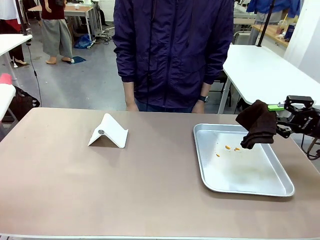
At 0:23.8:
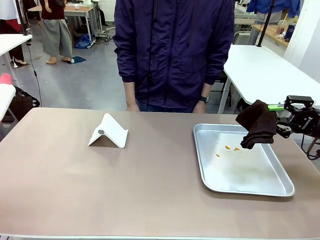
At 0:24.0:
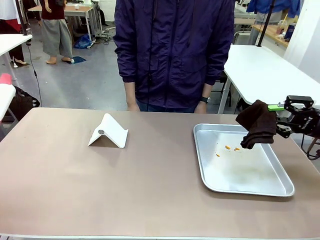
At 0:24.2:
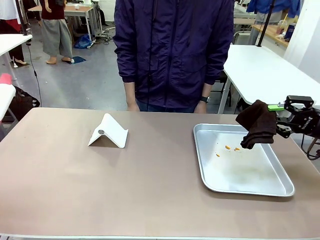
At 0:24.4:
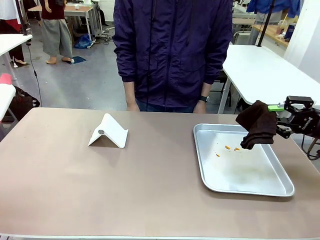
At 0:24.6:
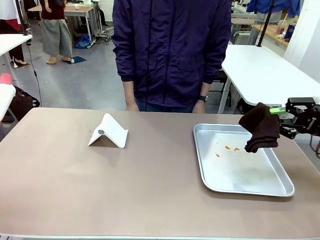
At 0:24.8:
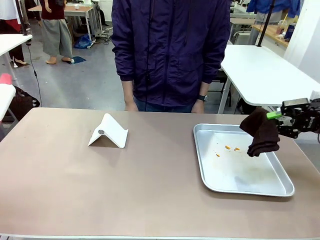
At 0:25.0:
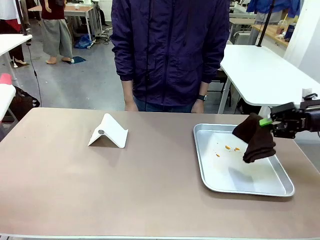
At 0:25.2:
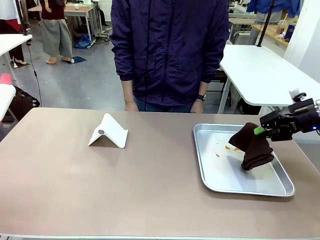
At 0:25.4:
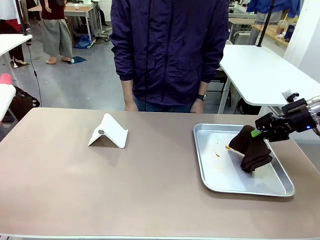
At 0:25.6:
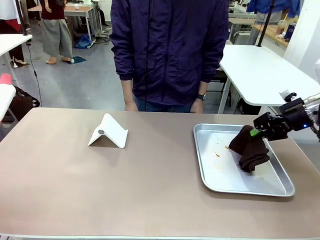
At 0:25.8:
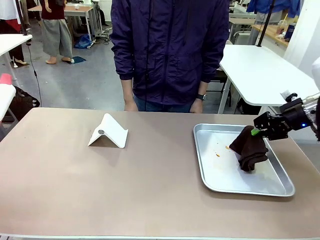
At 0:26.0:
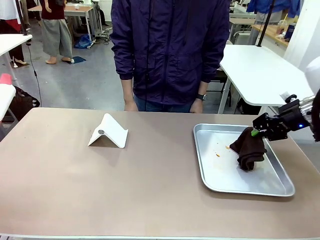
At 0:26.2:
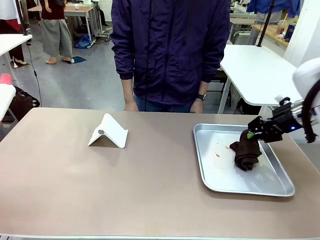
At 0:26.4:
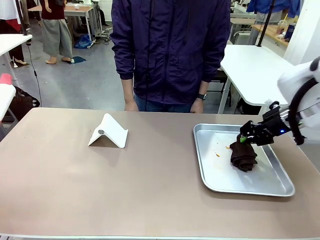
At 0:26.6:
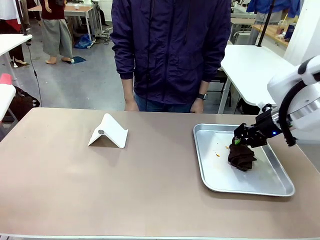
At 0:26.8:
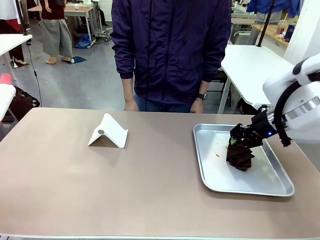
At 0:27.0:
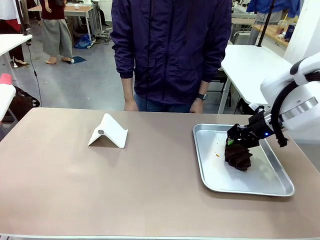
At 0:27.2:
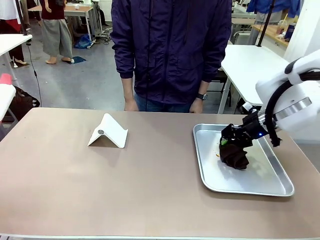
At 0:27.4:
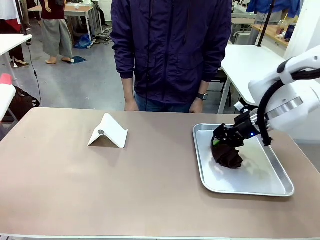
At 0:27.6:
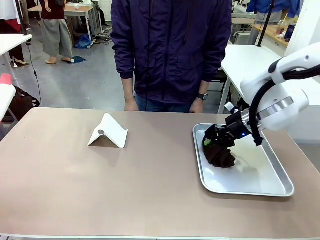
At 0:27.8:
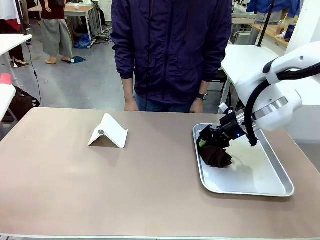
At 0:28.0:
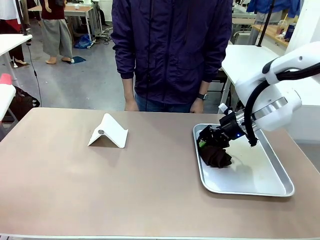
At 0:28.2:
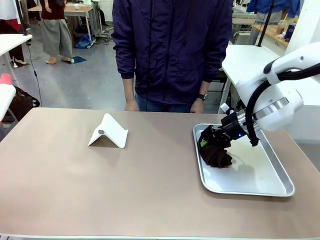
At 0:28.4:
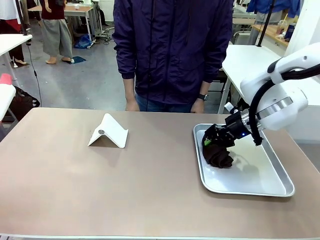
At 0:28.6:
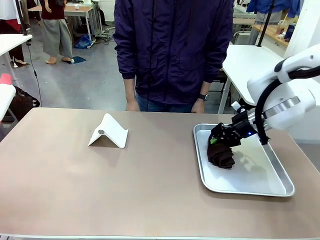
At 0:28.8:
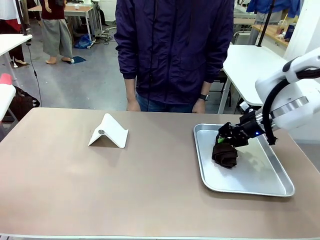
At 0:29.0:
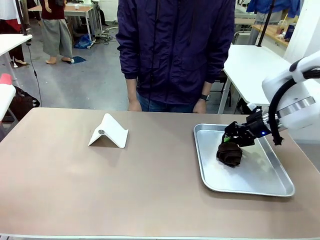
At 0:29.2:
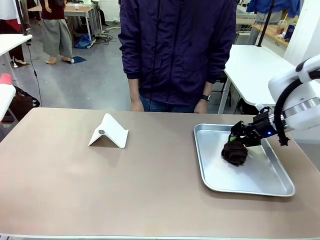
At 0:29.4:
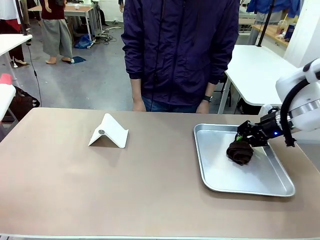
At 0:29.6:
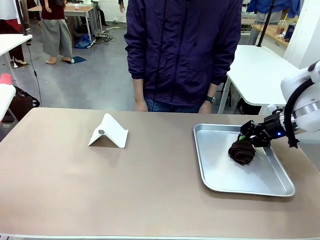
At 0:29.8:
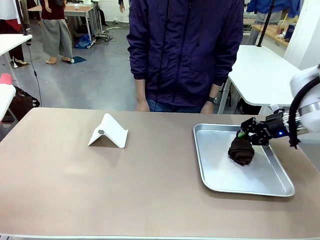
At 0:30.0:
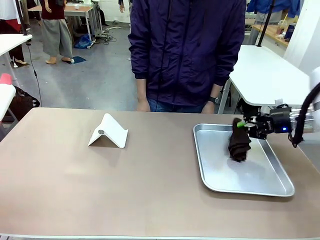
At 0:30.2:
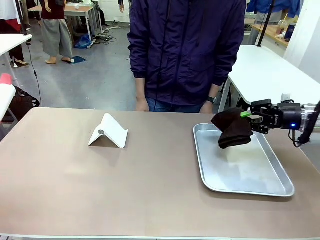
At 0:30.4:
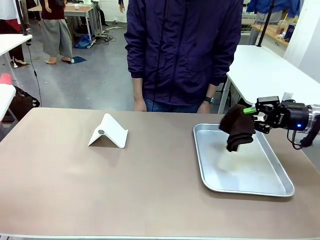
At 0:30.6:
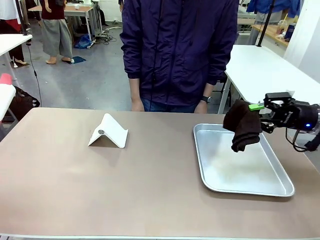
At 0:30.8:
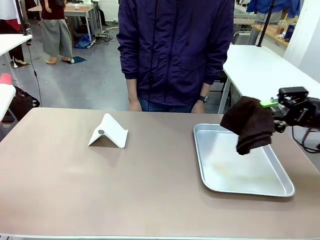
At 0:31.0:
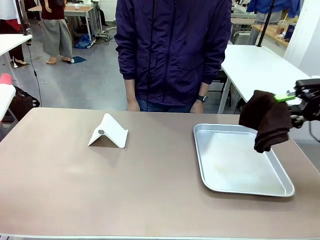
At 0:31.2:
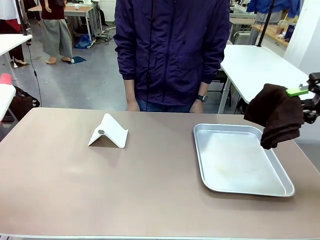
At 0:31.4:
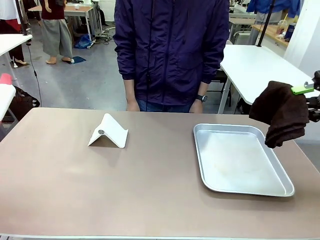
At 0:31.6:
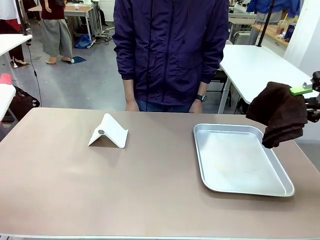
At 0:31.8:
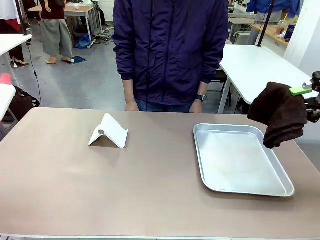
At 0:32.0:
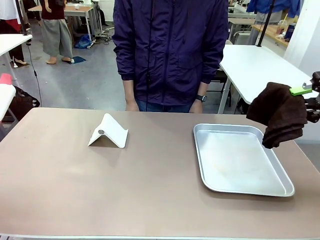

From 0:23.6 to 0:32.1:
Task: Clean the surface of the table.
Robot: Clean the area not pointed to by the person.

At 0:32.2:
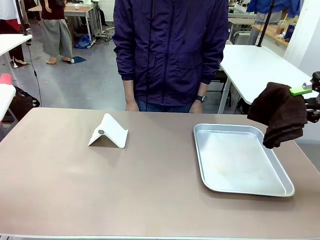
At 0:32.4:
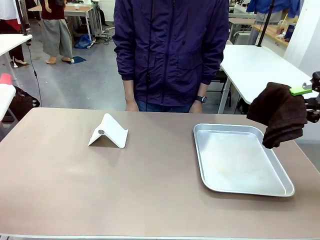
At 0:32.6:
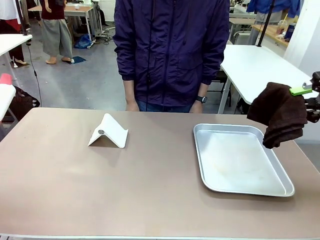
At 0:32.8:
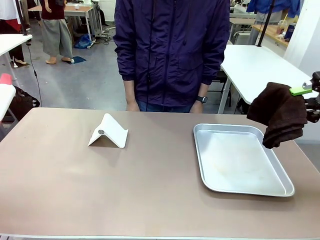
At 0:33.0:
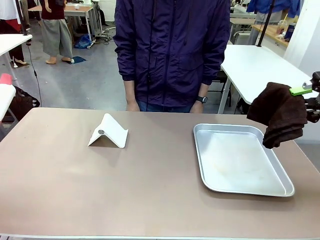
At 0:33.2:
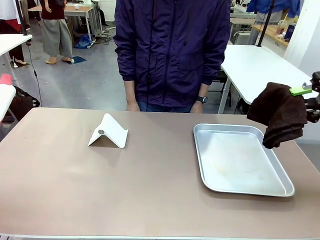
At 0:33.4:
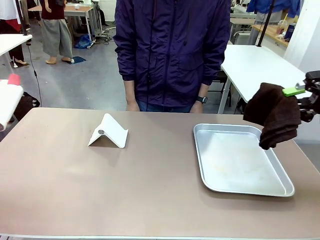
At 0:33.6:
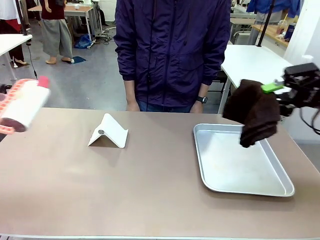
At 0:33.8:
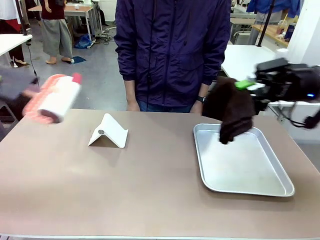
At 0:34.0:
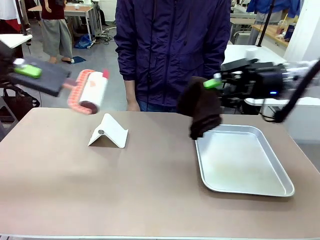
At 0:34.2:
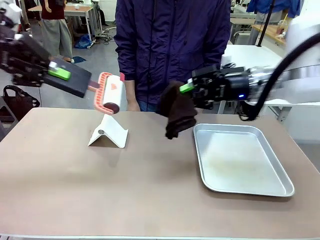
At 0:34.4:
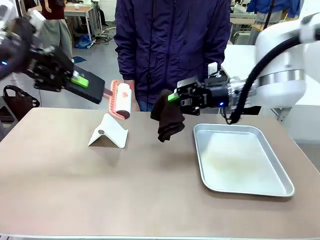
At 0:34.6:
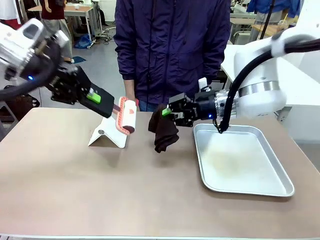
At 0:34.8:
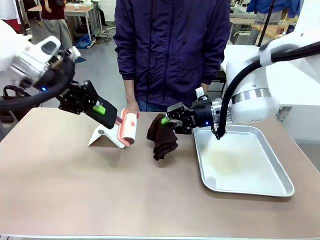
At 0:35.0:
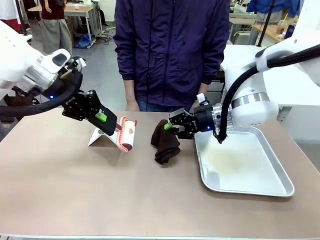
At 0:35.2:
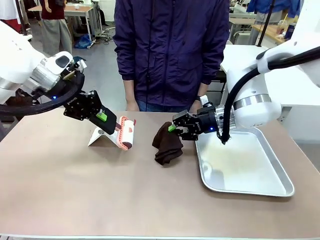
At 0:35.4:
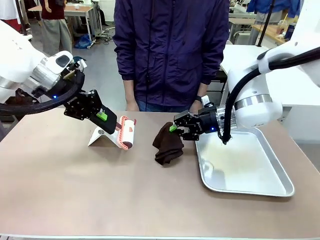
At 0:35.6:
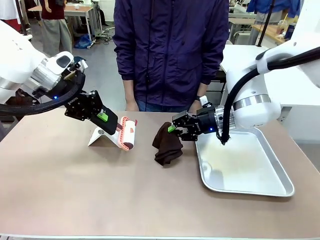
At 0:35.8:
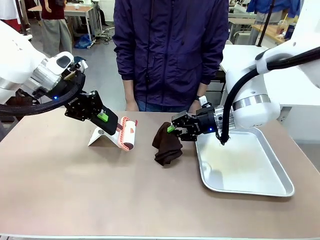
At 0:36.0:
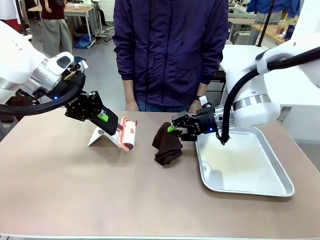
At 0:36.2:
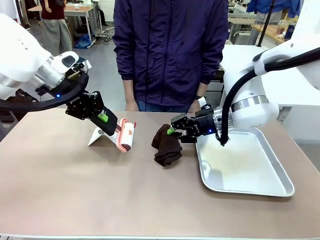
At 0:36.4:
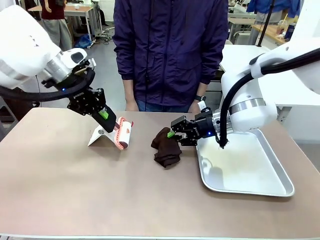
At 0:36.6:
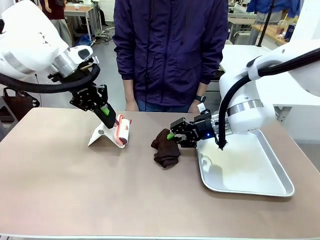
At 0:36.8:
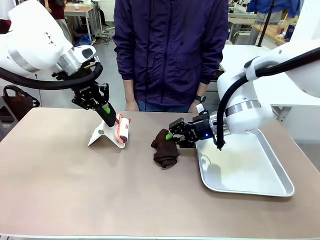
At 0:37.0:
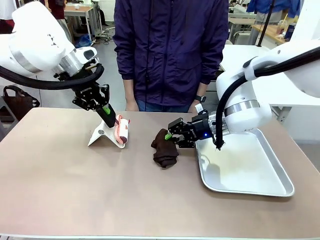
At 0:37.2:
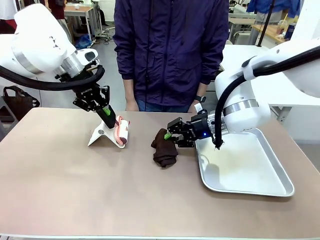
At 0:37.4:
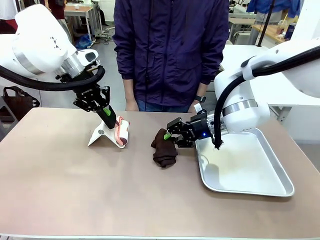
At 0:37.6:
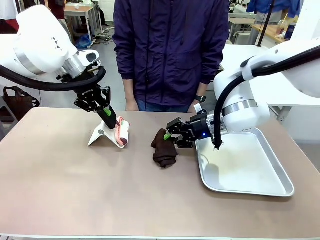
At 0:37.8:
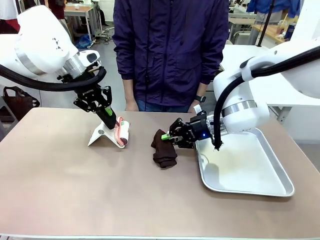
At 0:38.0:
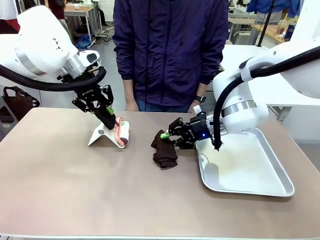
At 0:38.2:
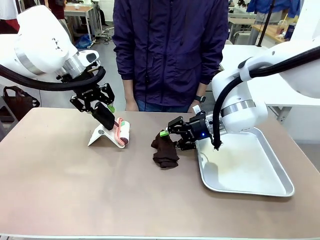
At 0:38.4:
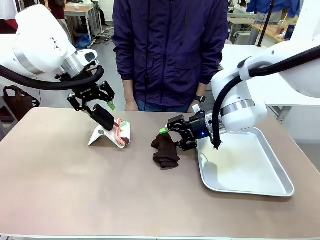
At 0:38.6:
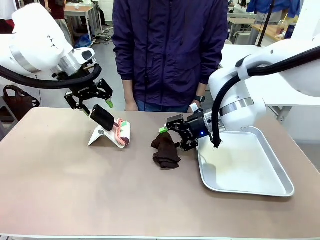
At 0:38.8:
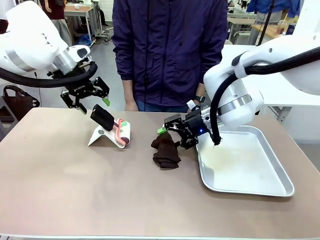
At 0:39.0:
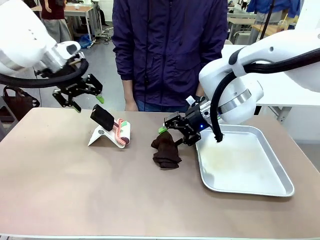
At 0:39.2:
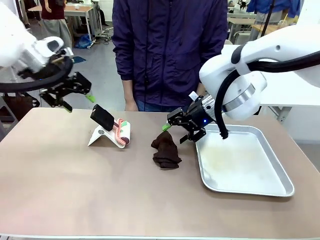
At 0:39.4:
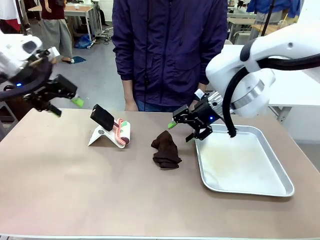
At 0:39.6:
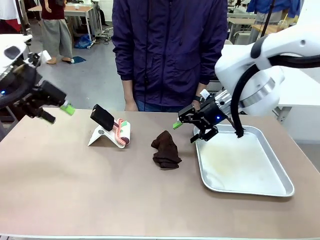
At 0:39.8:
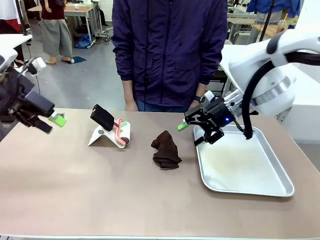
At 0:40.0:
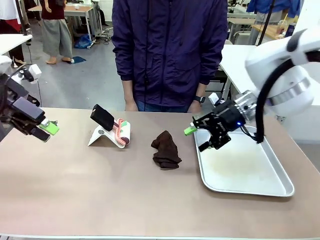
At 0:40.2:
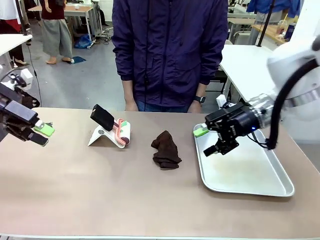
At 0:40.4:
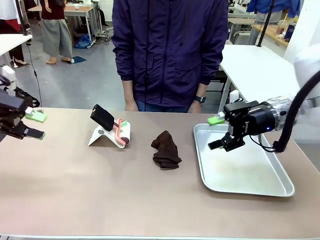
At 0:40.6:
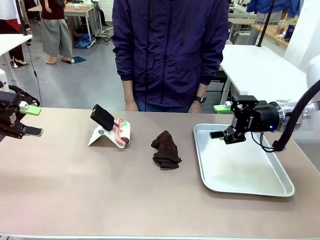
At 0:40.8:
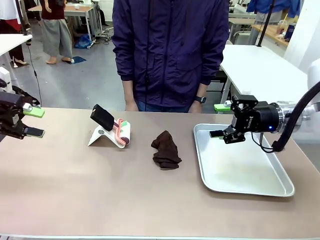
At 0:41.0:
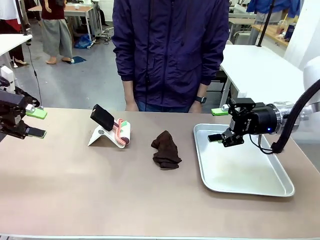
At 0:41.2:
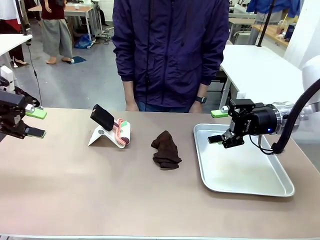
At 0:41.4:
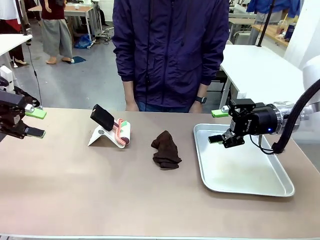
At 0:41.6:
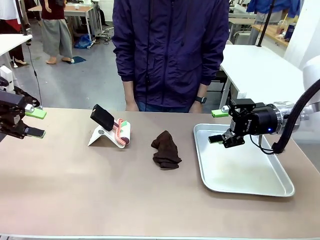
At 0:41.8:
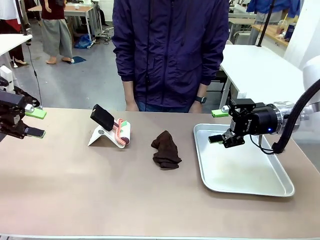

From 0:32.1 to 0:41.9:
Robot: Return the Lint Roller and towel to their original positions.

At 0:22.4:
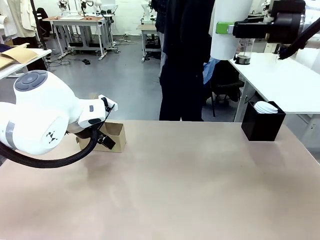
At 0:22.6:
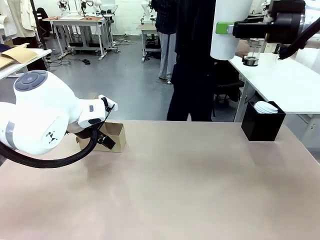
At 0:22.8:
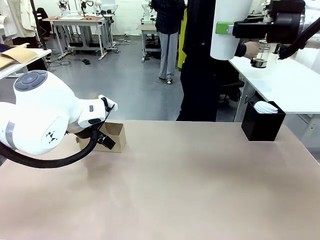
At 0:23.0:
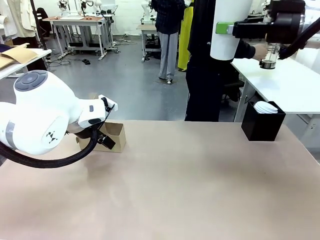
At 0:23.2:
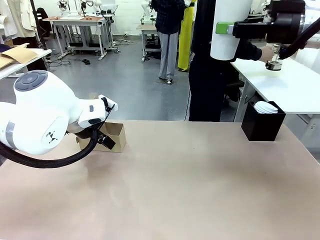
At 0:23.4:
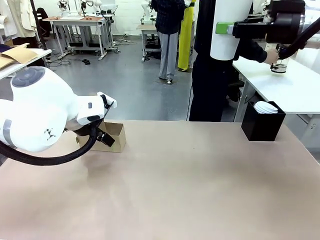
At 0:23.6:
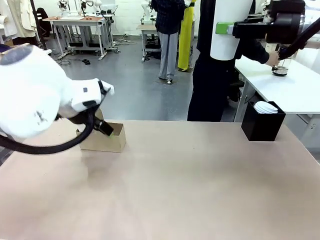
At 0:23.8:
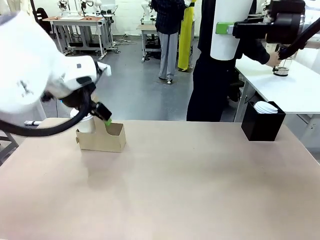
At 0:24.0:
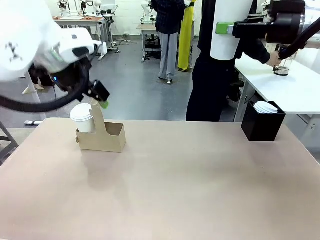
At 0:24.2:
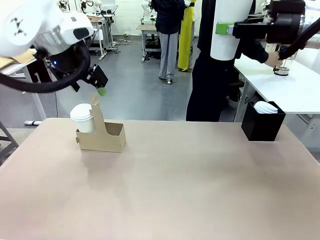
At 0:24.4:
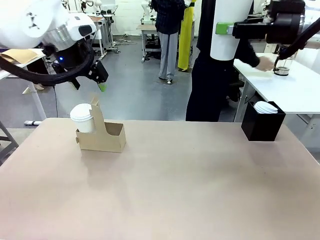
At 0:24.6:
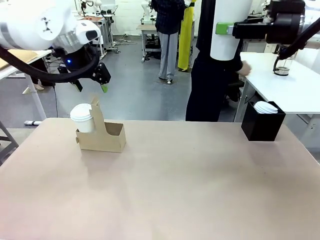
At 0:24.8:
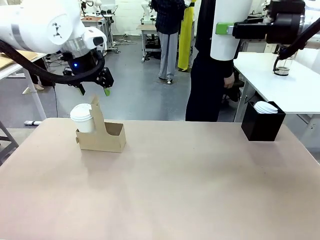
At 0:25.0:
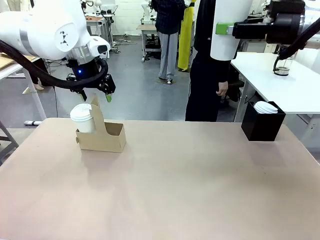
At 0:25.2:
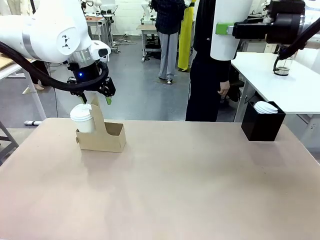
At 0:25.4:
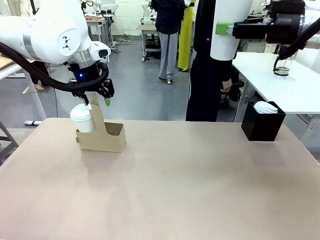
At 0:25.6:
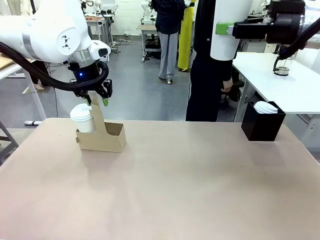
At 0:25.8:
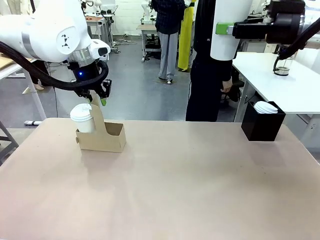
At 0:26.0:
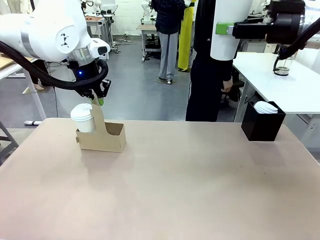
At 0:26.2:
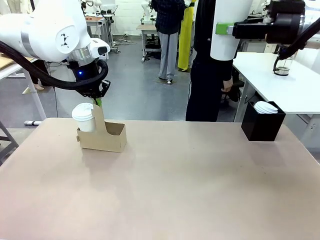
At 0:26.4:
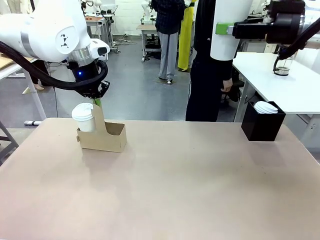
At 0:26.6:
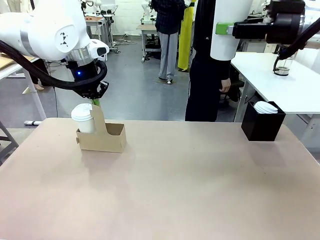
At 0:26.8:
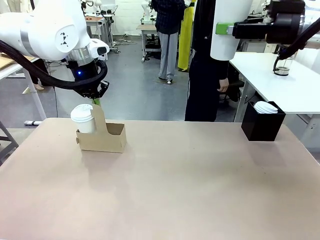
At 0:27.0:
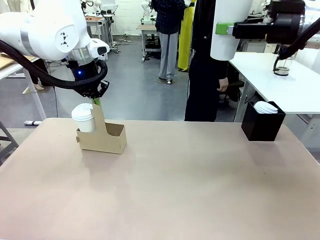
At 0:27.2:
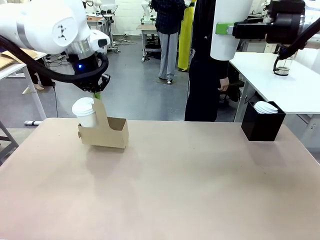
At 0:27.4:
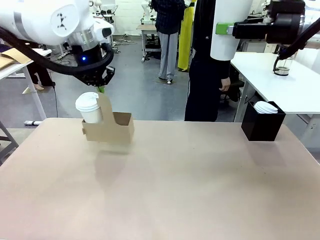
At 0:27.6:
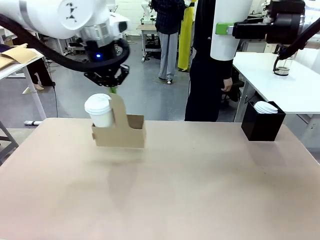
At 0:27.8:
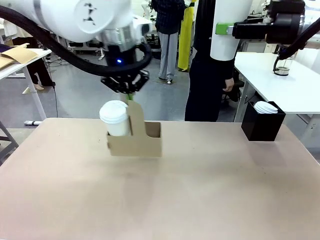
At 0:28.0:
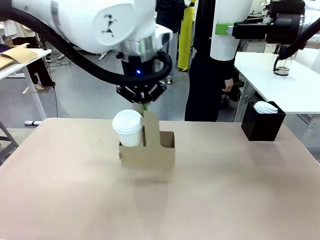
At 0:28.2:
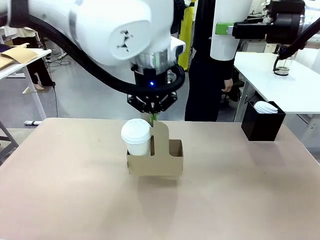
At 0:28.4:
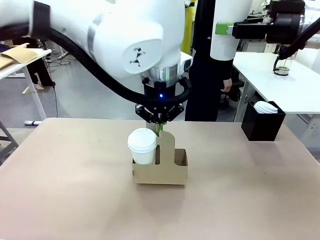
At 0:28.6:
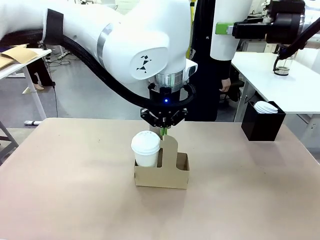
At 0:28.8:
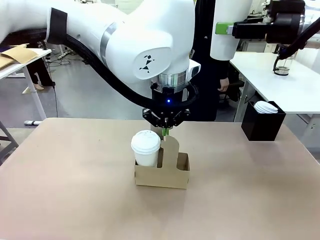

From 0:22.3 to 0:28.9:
Task: Pour a drink into a cup and package it in a carrier.
Robot: Position the Cup Carrier in the center of the table.
